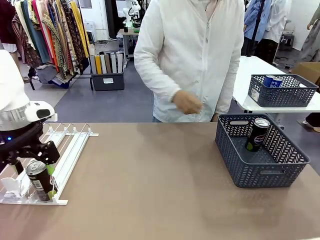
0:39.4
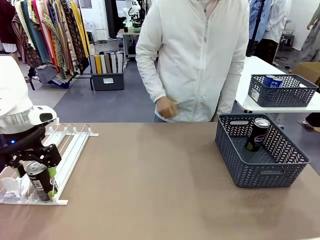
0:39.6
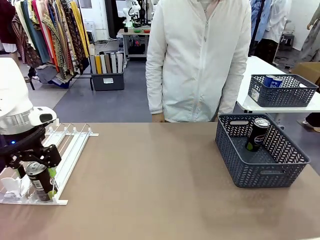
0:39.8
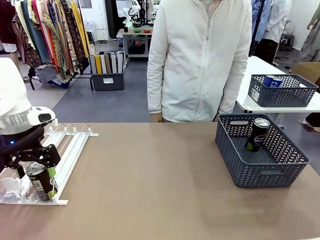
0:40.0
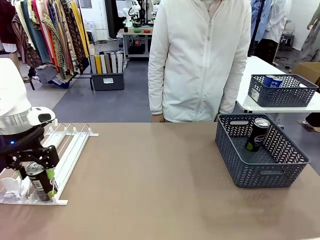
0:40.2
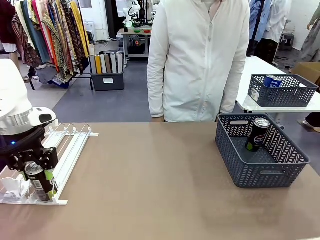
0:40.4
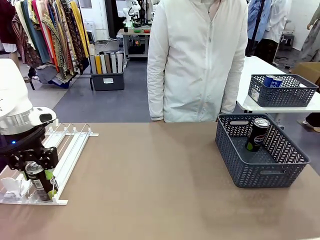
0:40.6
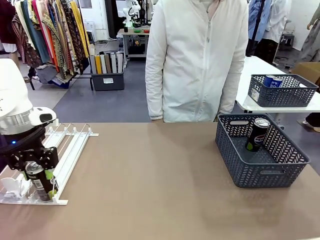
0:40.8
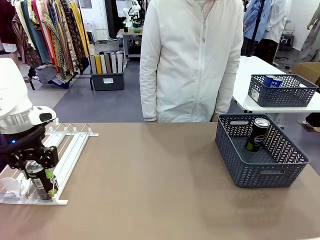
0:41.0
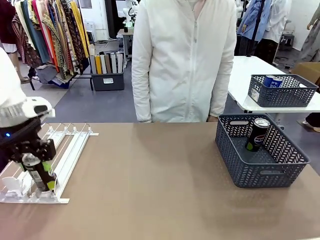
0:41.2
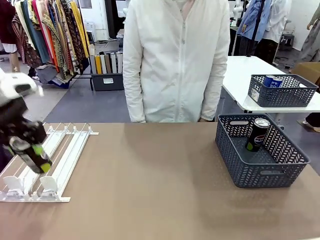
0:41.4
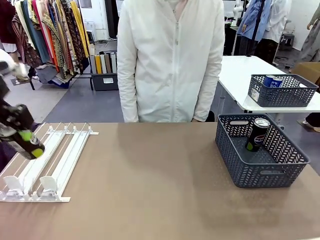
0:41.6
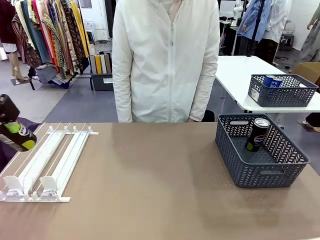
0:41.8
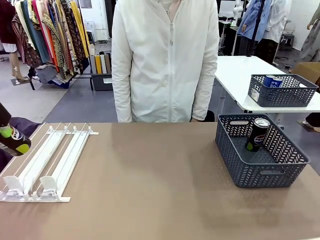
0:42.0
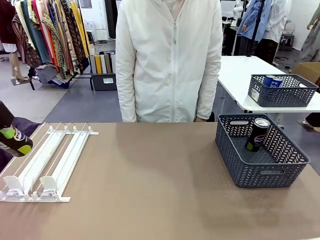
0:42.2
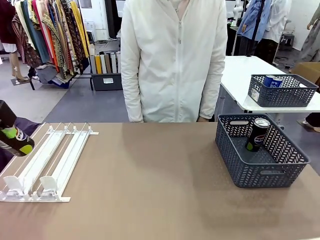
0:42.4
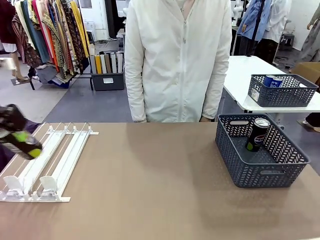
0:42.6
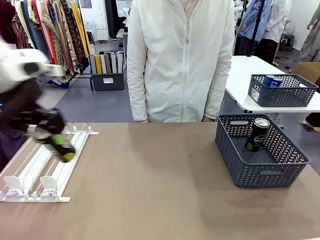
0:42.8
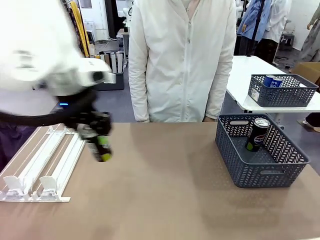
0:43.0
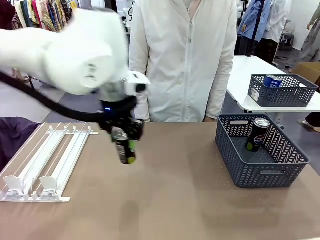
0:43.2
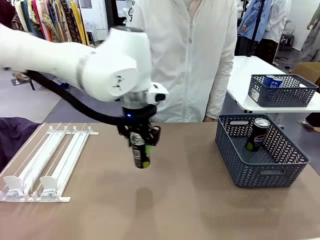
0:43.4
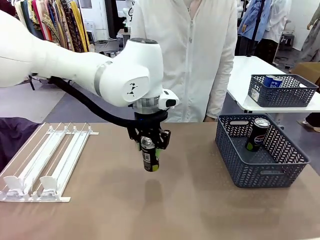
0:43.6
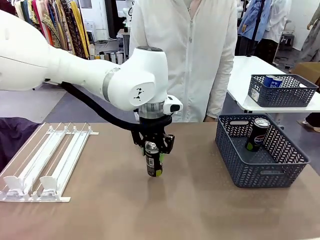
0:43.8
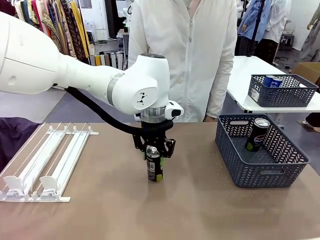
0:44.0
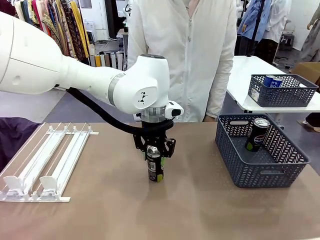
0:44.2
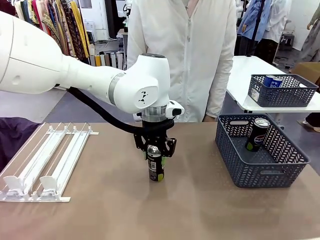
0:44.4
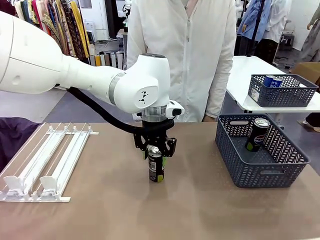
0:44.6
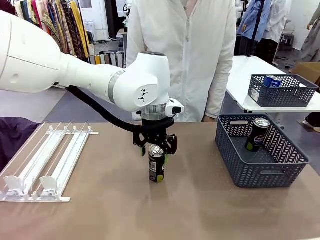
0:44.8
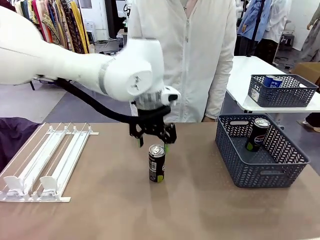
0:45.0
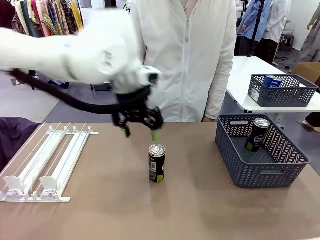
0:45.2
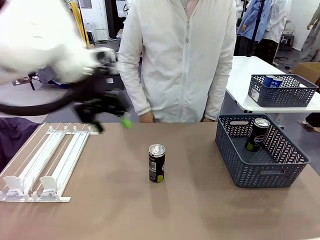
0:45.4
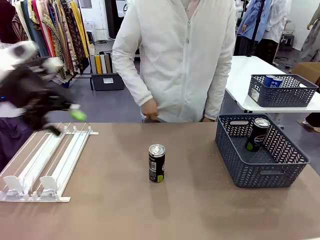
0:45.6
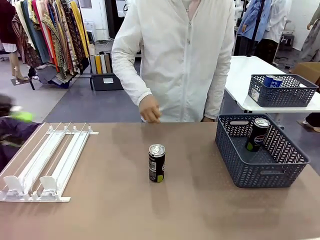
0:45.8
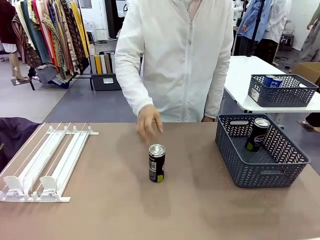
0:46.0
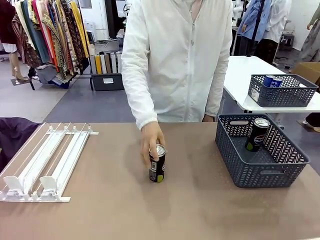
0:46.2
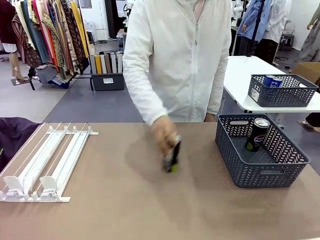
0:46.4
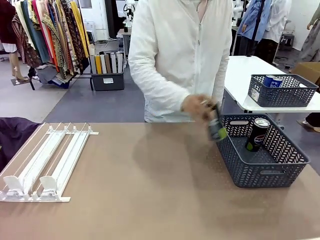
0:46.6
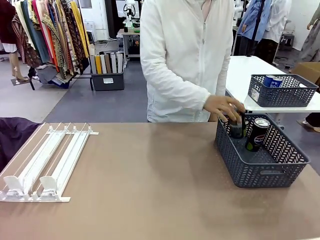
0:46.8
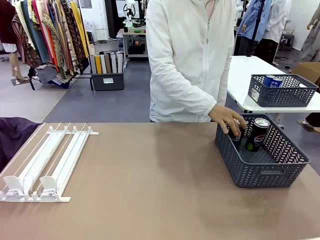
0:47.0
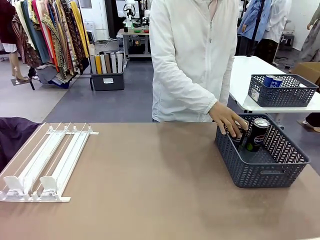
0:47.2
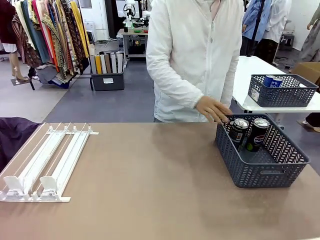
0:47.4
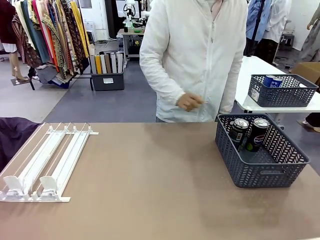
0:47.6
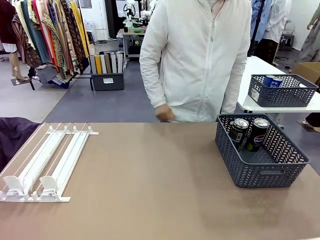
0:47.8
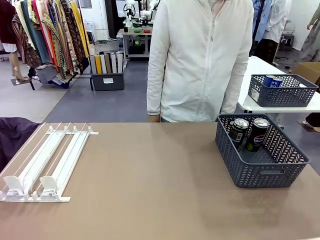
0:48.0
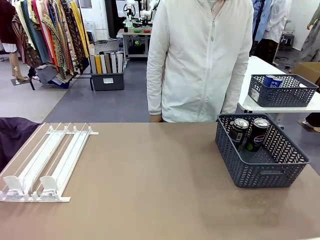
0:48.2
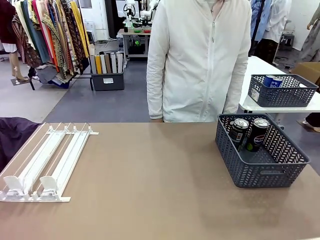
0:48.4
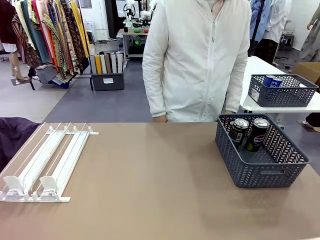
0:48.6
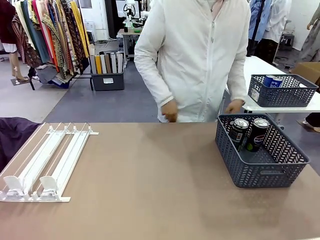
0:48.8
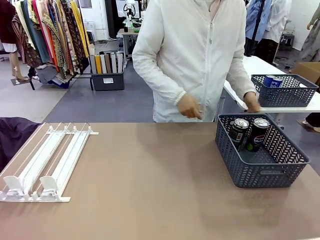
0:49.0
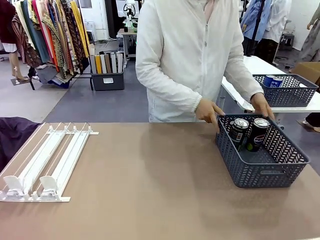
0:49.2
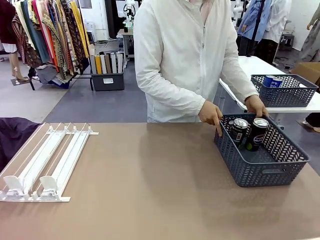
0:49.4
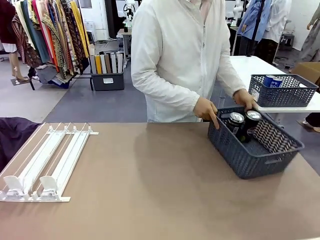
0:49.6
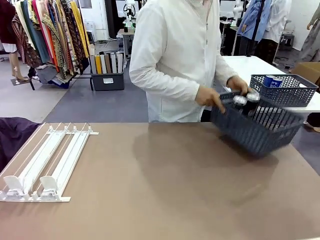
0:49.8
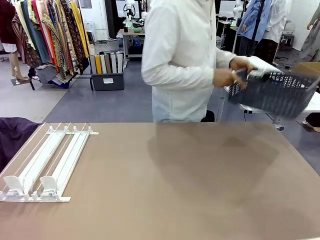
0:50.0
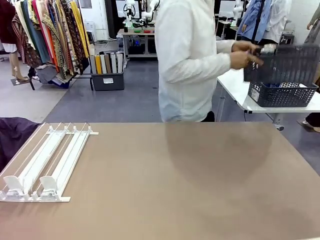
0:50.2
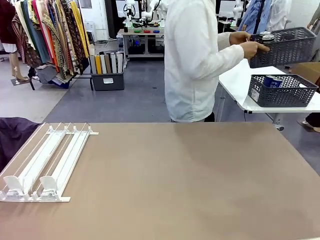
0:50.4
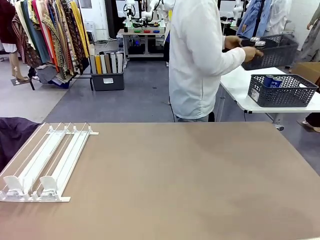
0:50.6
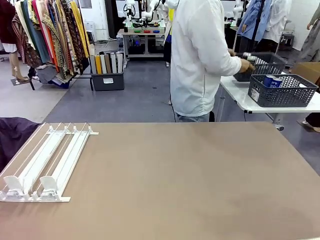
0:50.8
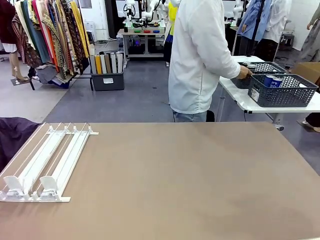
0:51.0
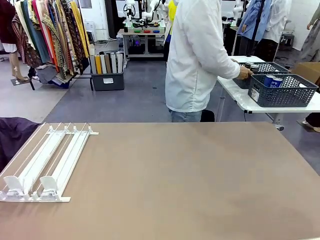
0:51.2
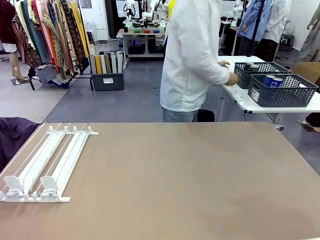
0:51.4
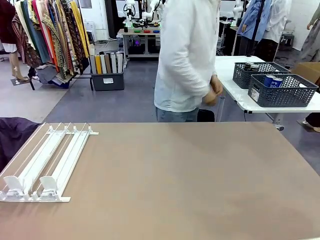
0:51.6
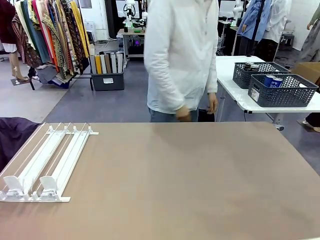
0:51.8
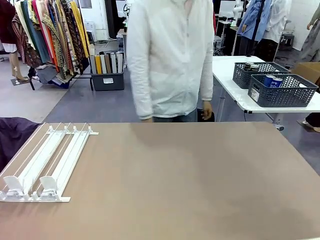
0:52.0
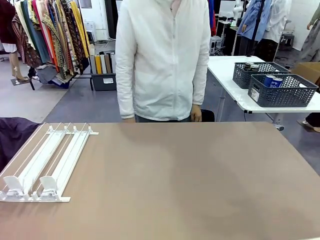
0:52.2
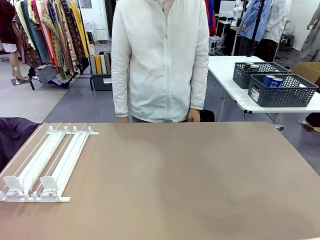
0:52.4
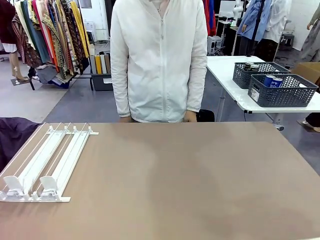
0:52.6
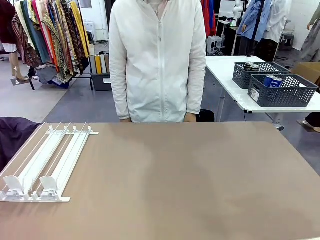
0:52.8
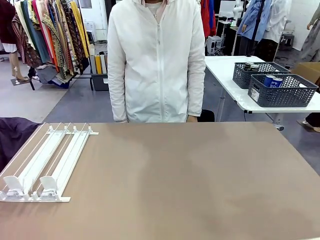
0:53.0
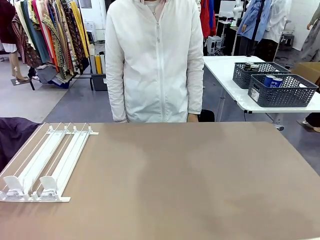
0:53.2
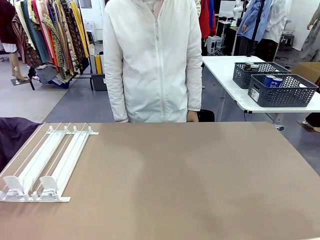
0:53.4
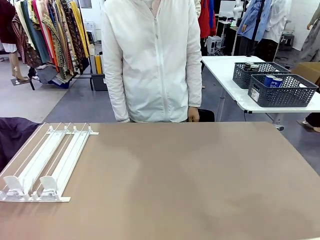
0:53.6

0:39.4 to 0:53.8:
Task: Retrieve and store the cans from the dispenser.
Robot: Pick up one can from the Automatic Can Dispenser and place it in the middle of the table.
Person: Pick up one sports drink can from the middle of the robot table and place it in the basket. Pick up the basket and place it in the middle of the human table.

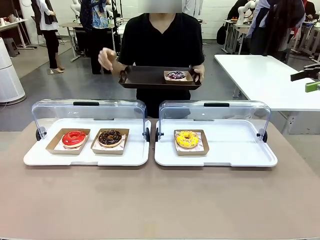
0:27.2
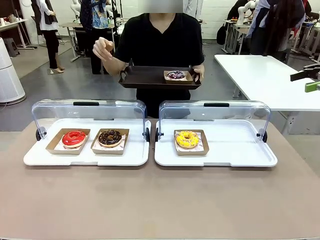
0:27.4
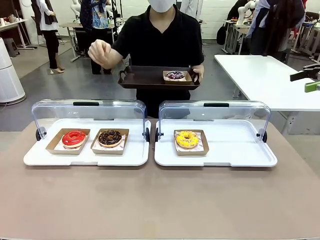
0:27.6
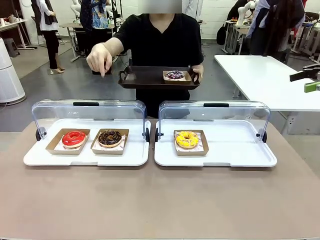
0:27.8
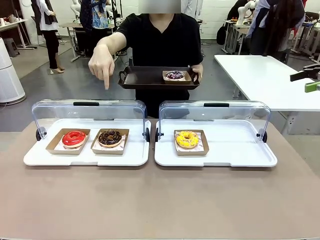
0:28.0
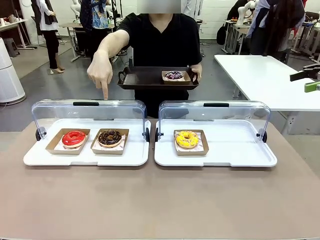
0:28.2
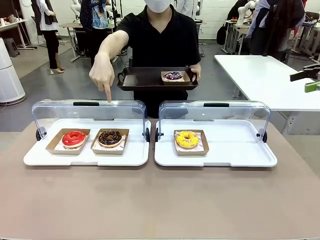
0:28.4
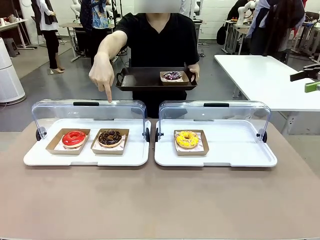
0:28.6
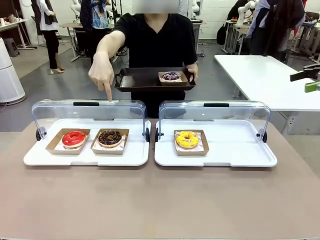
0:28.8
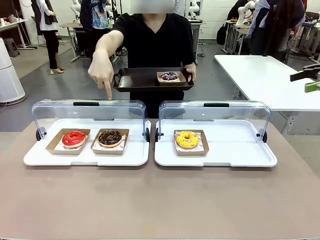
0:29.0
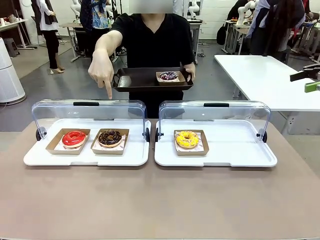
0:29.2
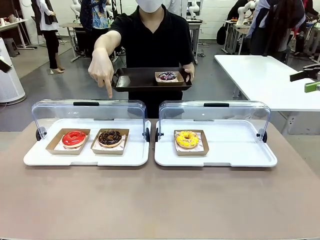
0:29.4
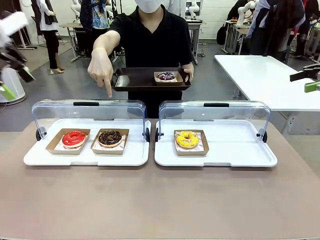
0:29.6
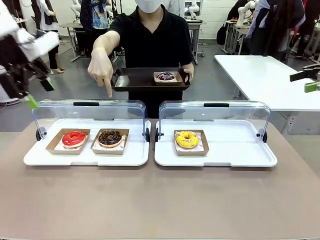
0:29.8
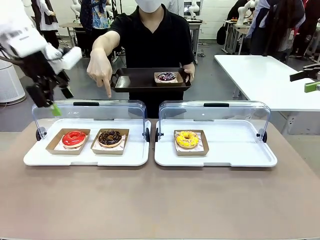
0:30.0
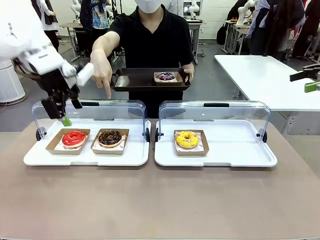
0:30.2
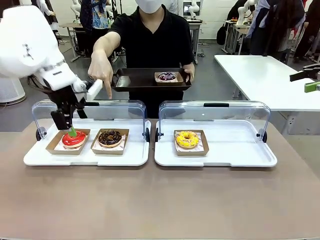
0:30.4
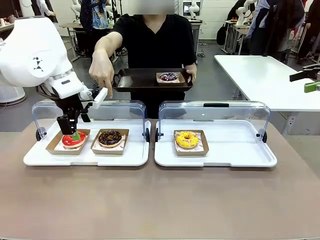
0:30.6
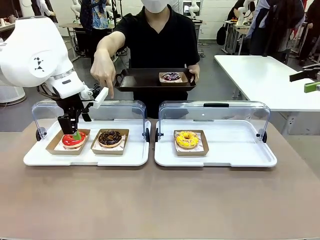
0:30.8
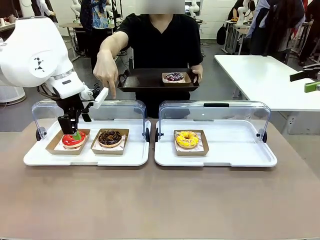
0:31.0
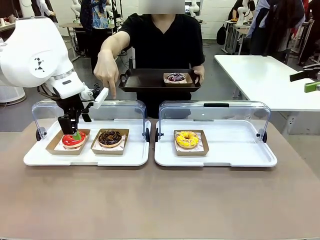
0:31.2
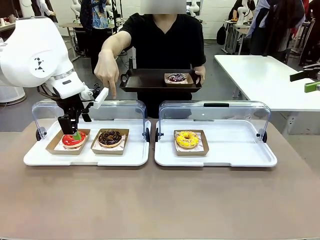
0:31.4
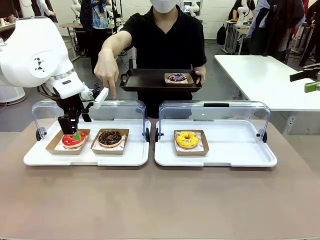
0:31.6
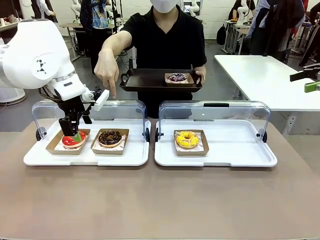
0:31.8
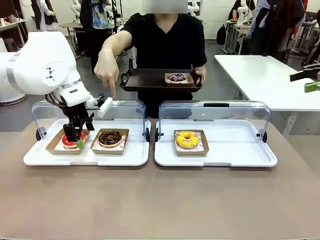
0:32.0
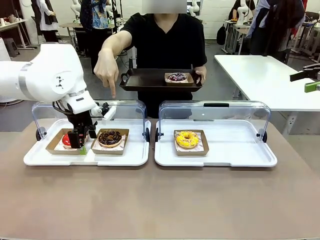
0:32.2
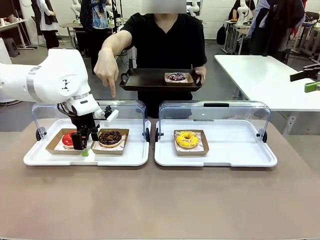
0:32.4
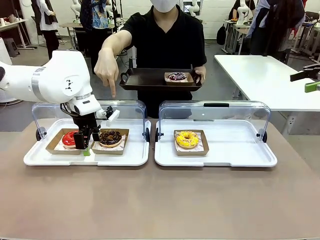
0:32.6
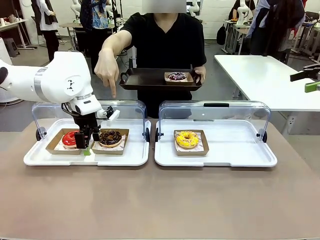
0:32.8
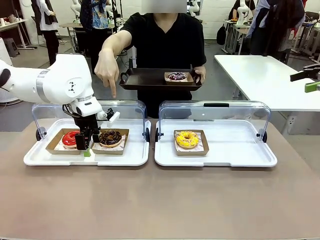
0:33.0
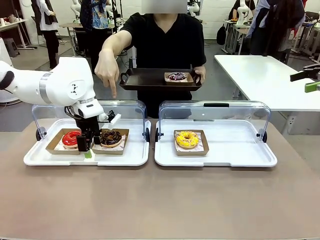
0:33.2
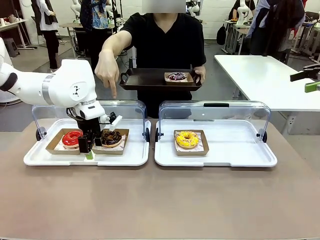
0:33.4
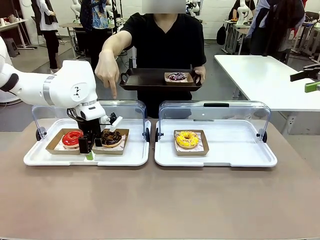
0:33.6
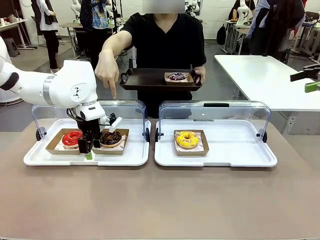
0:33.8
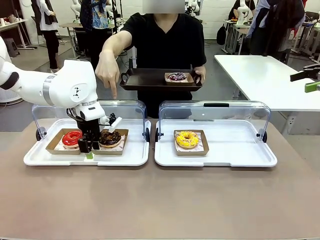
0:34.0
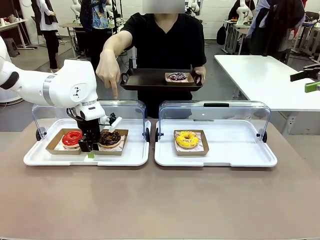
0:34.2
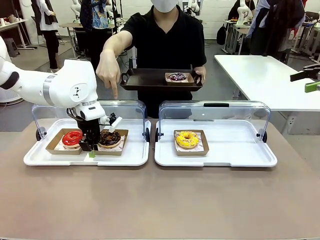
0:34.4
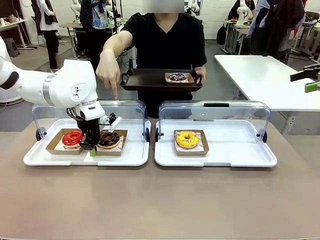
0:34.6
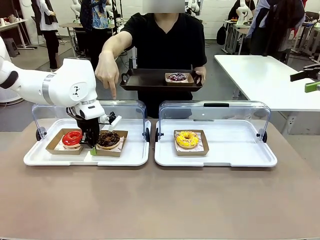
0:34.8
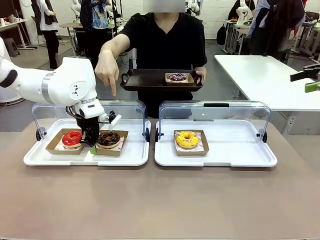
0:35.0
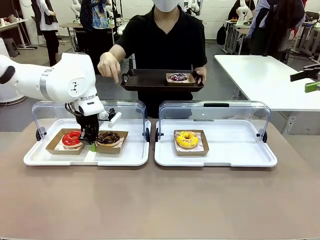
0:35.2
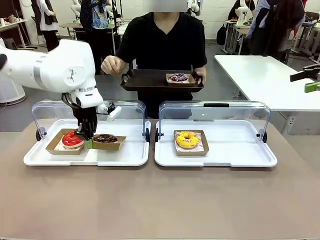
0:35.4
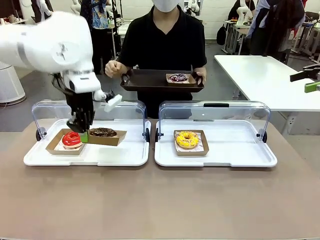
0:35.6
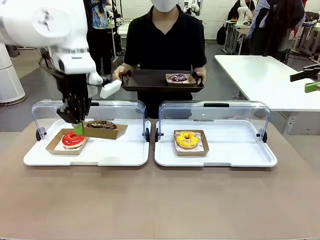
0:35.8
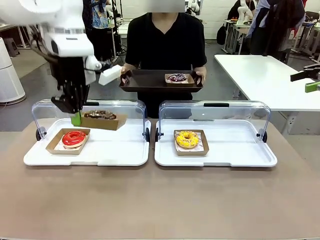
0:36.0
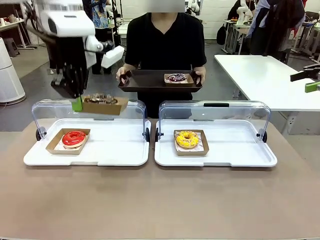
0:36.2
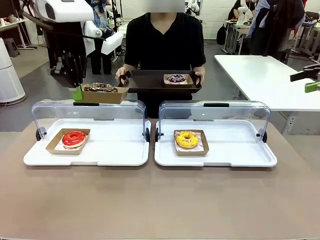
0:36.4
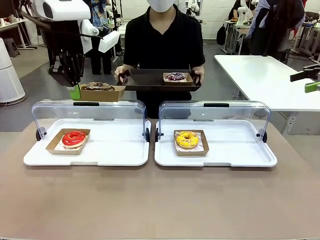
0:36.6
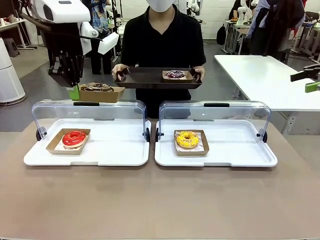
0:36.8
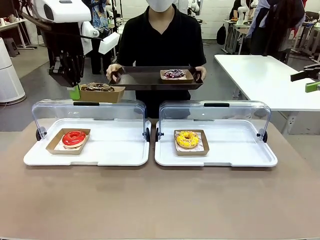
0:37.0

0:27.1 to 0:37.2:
Task: Provide the desired donut to the person.
Robot: Pick up and lift the Paper togo box containing the Donut pointed at by the person.
Person: Lift the tray onto the Roll-Top Bakery Case.
